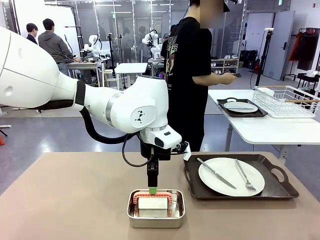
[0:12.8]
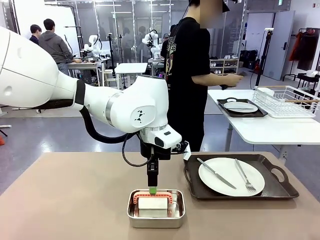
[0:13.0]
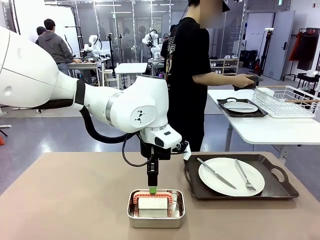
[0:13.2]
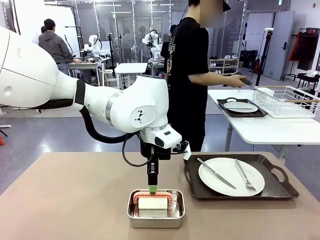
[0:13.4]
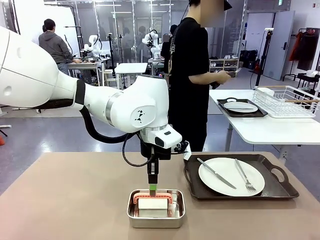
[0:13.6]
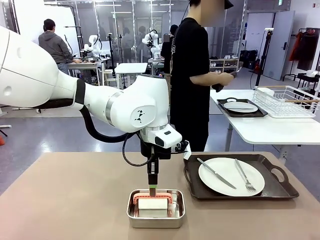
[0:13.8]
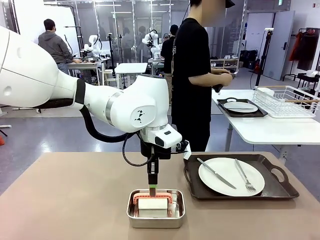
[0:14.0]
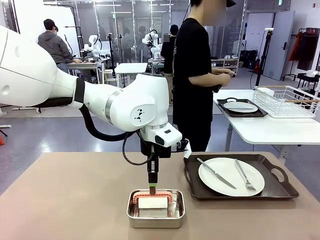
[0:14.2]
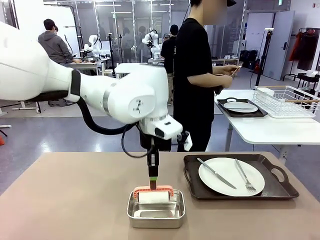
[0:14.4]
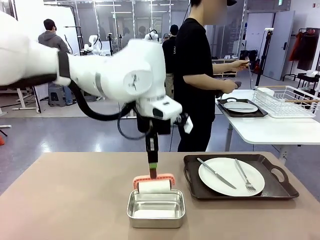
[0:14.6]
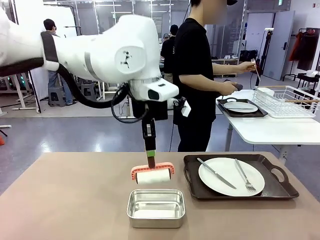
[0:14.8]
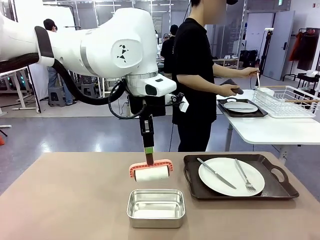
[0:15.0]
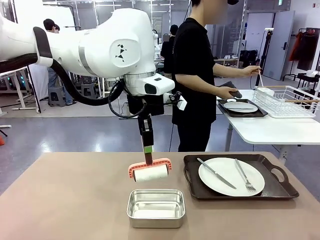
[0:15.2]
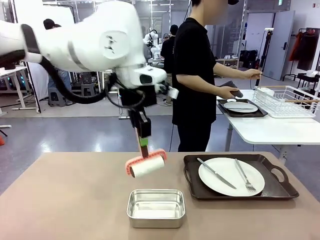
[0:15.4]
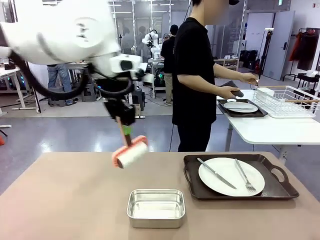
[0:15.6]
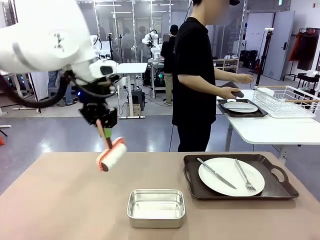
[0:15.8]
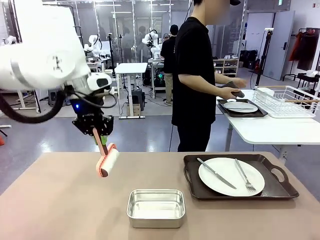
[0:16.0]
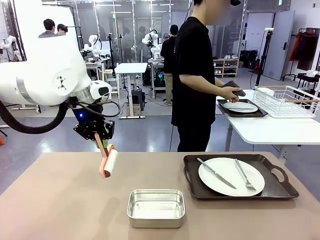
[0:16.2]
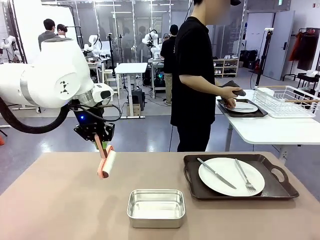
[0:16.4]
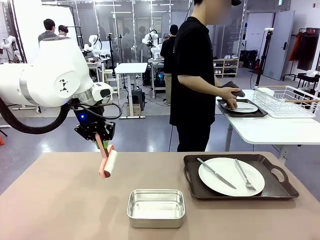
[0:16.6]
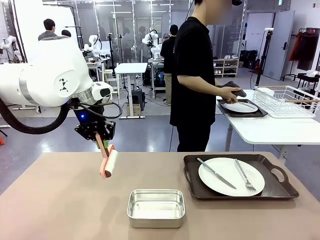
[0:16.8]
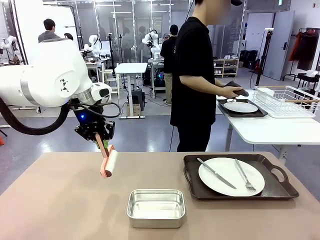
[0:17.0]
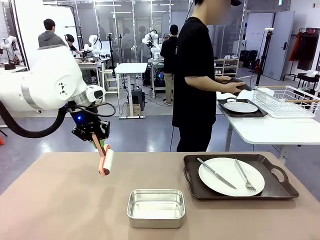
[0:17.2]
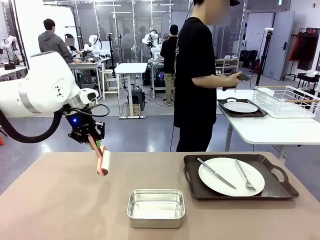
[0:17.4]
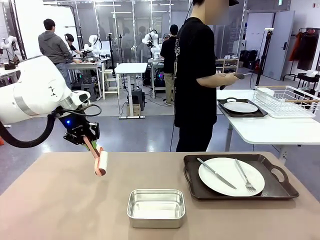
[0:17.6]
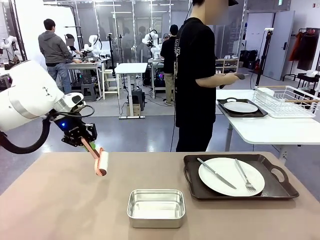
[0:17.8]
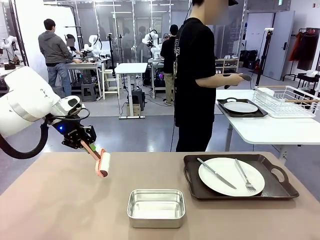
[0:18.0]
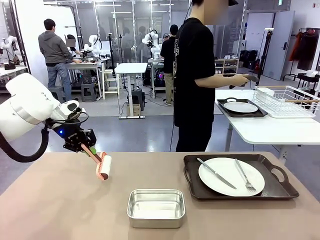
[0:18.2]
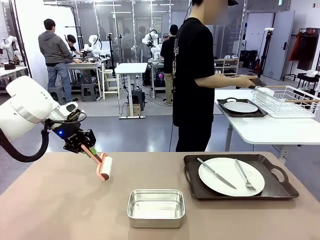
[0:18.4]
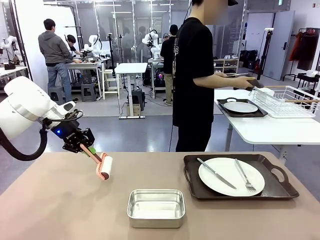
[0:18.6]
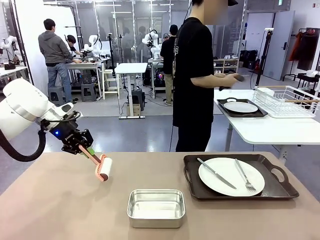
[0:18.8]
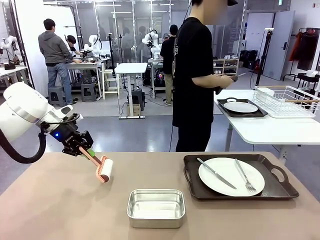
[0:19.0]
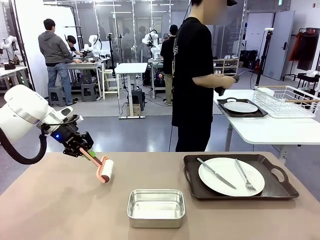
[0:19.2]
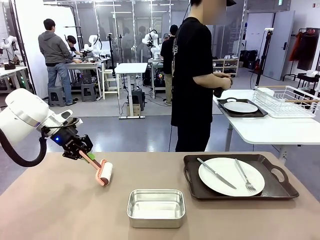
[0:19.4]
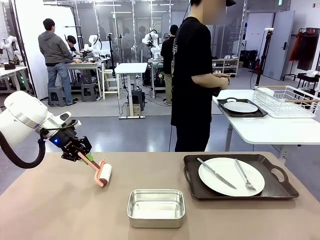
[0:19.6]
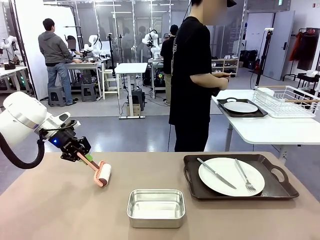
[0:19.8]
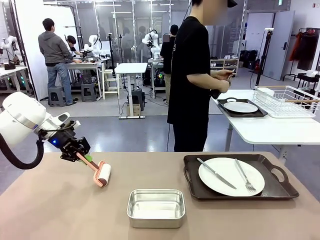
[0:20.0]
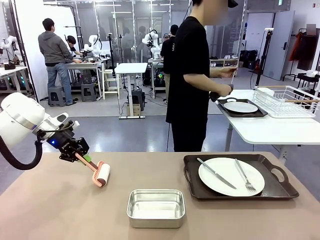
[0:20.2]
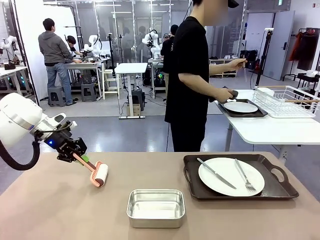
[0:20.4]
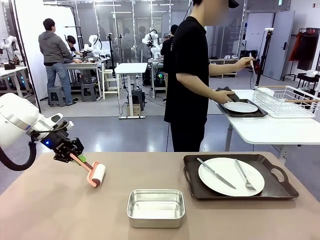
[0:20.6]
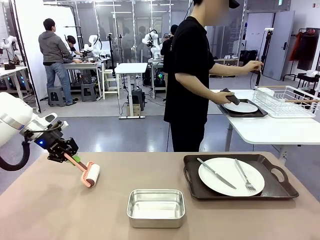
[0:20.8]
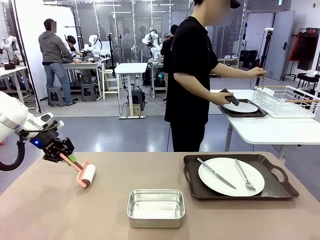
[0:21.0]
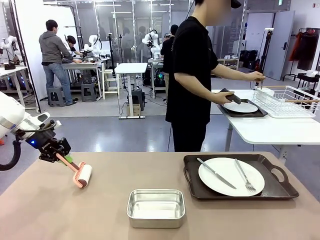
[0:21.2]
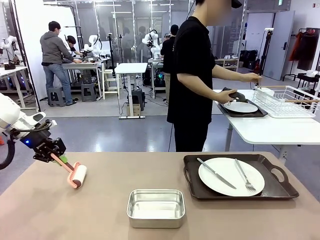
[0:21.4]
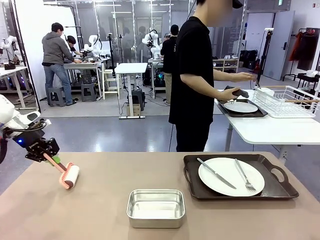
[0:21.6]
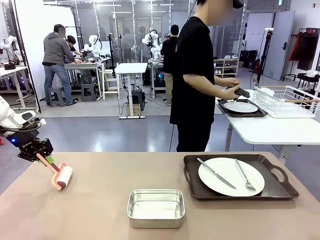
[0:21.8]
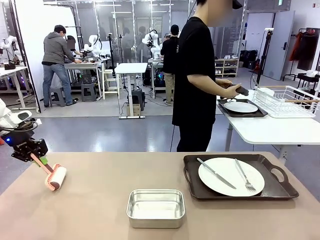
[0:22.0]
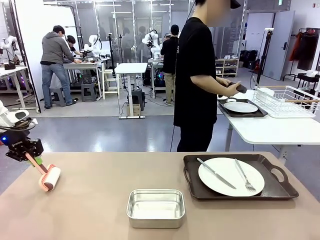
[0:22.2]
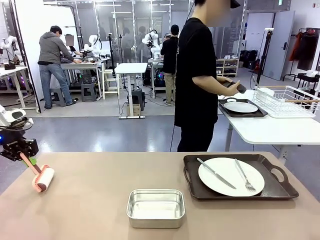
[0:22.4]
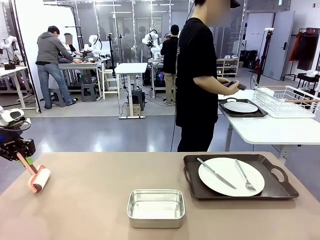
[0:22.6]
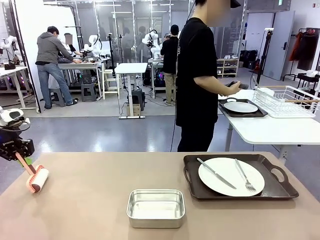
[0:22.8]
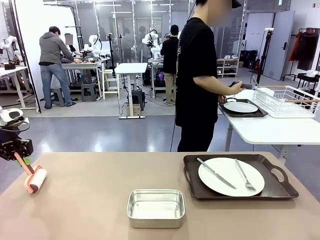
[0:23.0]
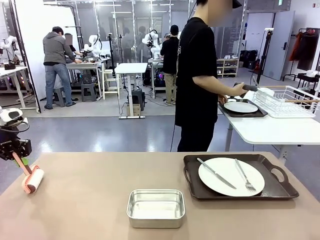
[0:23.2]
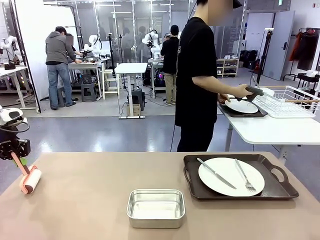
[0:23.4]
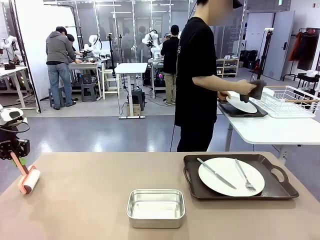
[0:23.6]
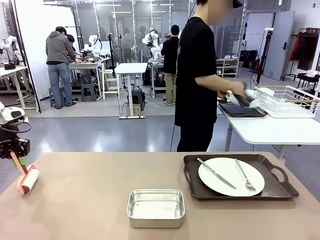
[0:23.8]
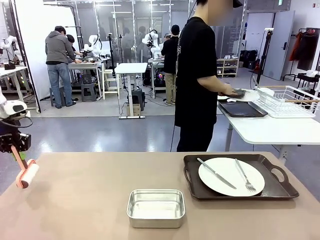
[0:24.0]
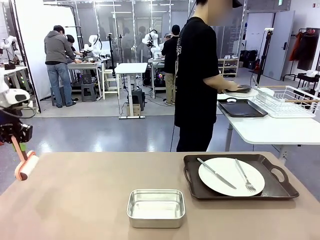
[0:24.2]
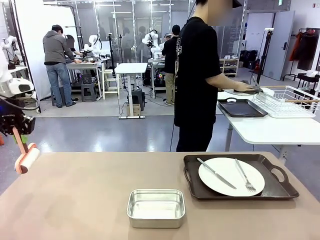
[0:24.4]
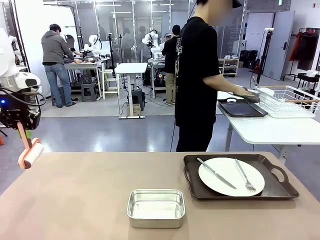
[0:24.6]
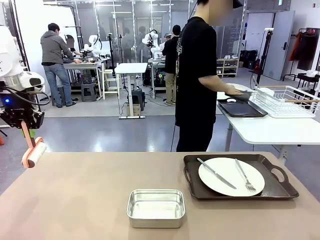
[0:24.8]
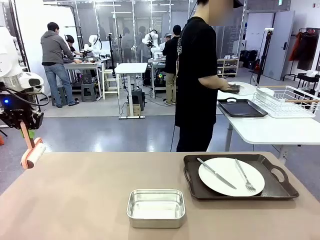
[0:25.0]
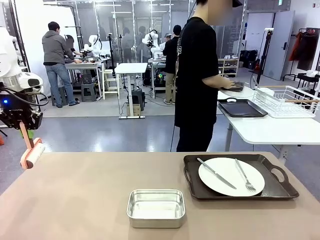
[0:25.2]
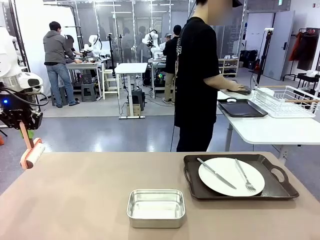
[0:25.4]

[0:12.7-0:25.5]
Robot: When the left (or right) Handle tray is removed, use the left hand (or right hand) to clean the left (or right) side of the table with the Lint Roller.
Person: Use the Towel with hook to wipe the Plastic Matte Plate , Fork , and Knife and place into the Dish drying rack.

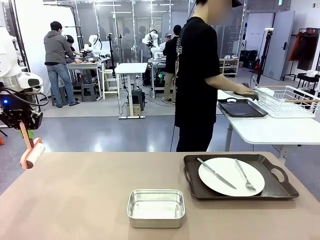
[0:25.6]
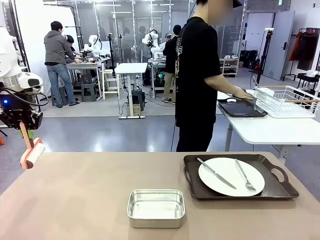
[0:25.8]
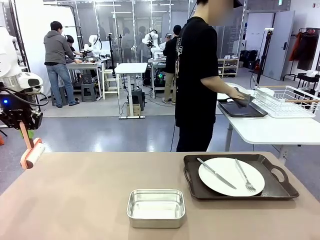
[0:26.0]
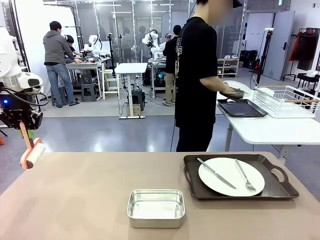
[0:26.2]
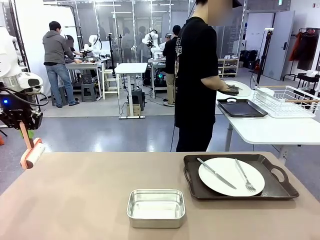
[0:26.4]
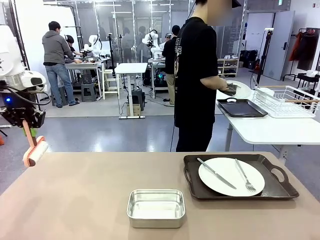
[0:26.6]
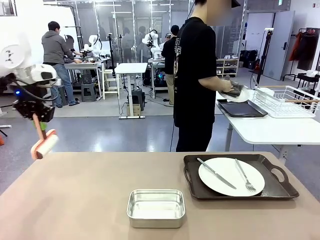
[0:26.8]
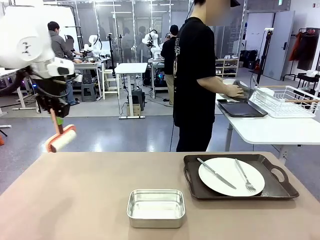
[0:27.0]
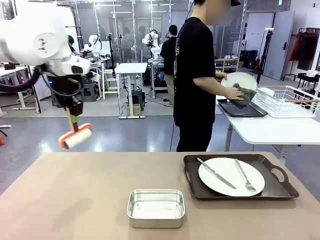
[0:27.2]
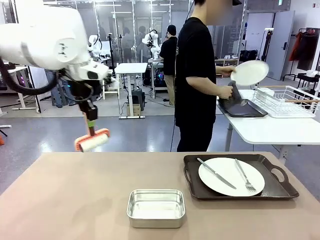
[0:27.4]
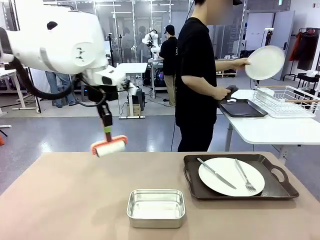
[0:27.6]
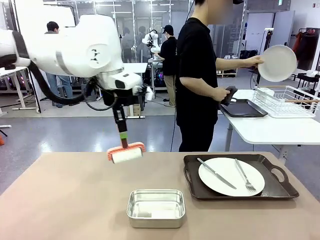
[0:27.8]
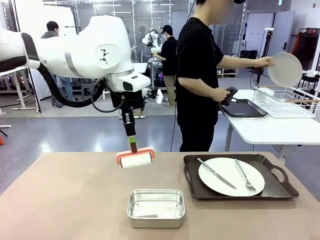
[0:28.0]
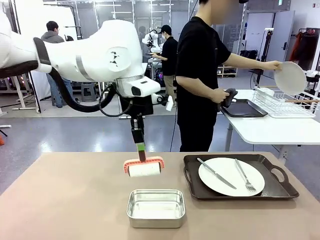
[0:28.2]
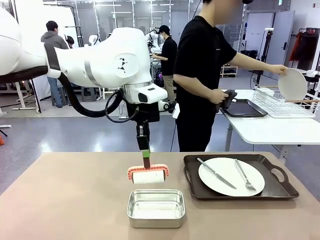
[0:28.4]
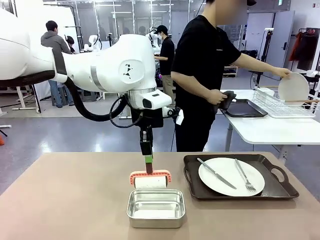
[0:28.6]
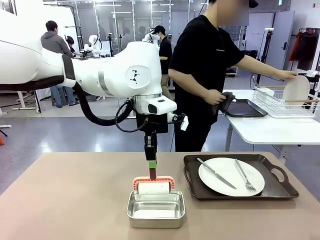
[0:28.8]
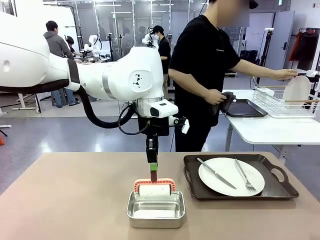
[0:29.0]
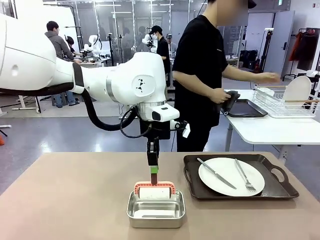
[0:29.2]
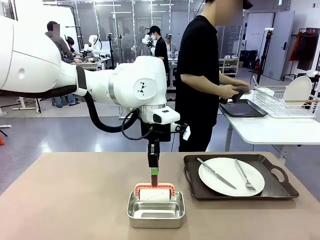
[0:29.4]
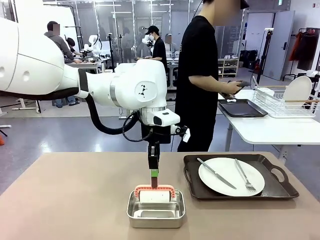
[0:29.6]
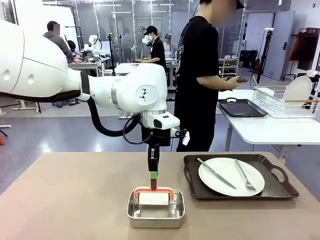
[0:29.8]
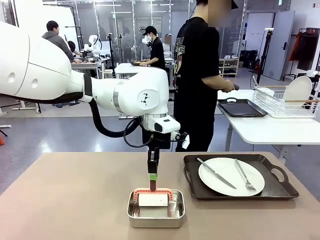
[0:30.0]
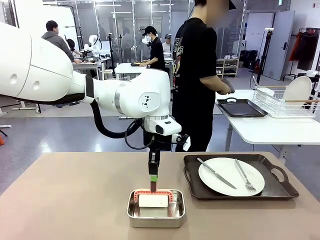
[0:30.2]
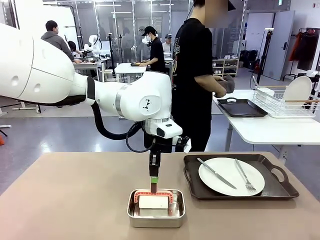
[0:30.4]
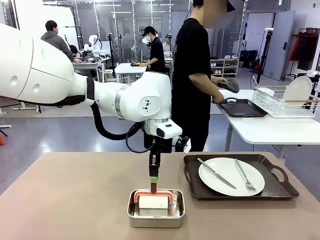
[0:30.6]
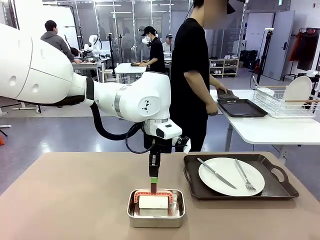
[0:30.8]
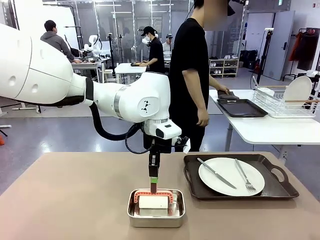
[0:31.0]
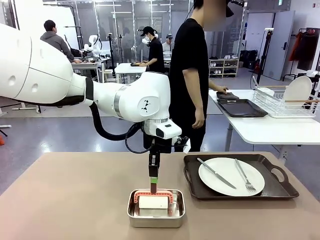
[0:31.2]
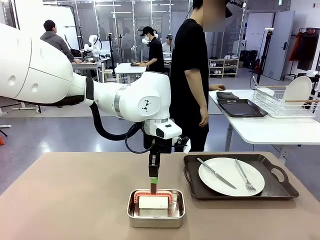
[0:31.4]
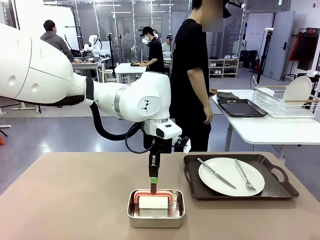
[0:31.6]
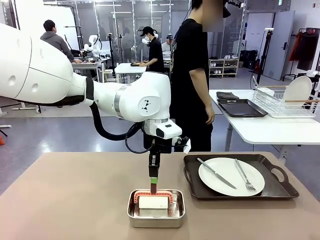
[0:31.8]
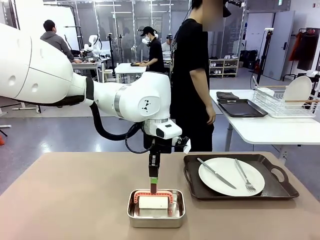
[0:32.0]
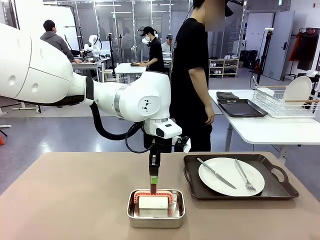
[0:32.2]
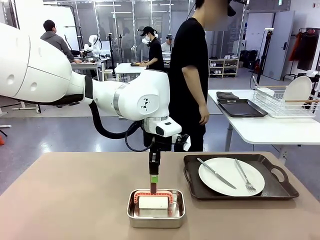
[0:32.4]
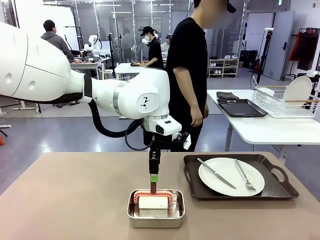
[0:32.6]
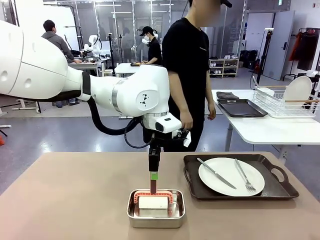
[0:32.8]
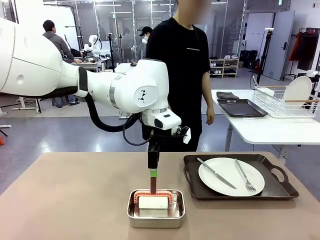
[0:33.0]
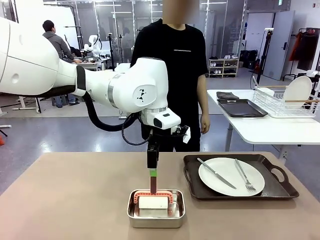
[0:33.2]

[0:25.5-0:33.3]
Robot: Place the Lint Roller back on top of the Airtight Container.
